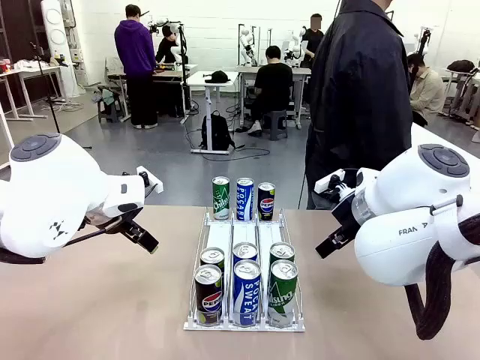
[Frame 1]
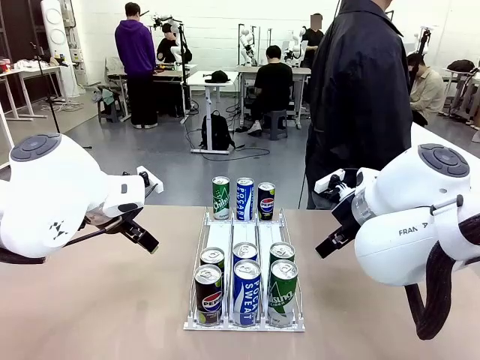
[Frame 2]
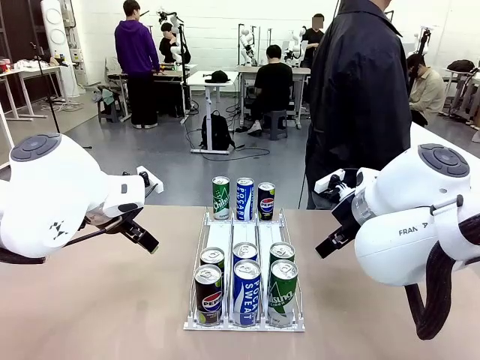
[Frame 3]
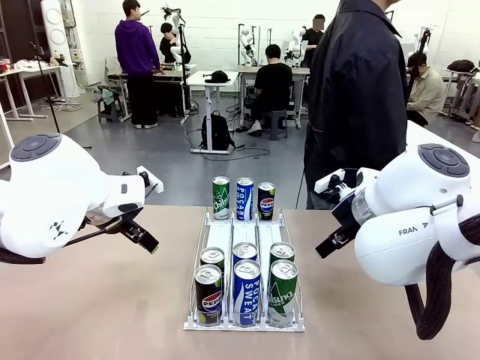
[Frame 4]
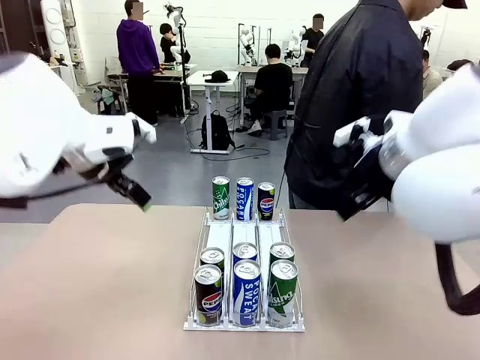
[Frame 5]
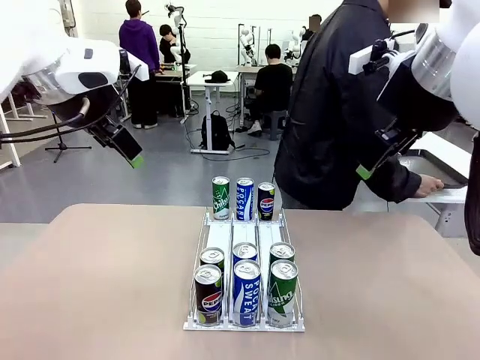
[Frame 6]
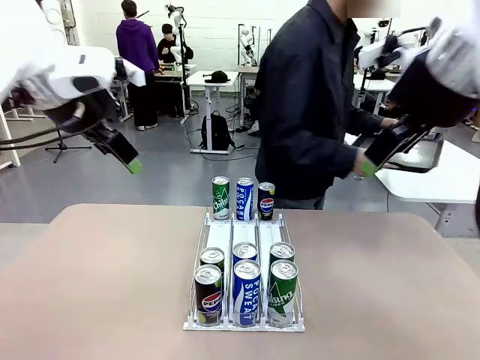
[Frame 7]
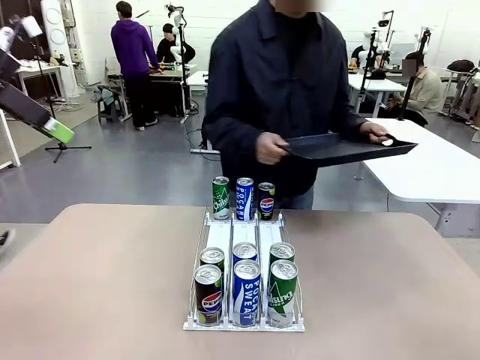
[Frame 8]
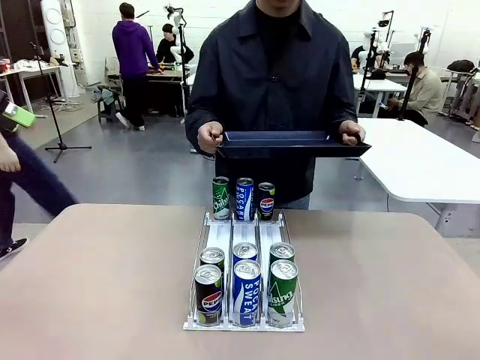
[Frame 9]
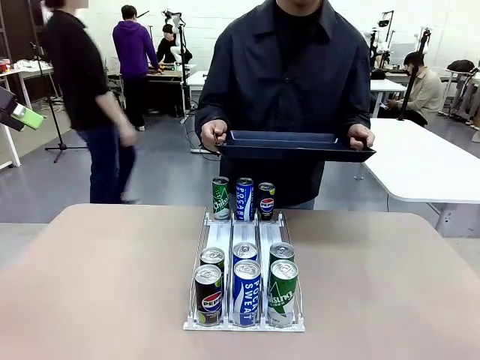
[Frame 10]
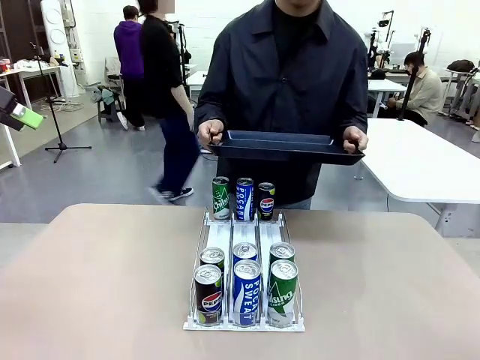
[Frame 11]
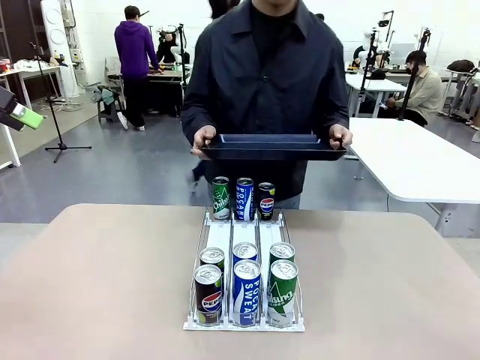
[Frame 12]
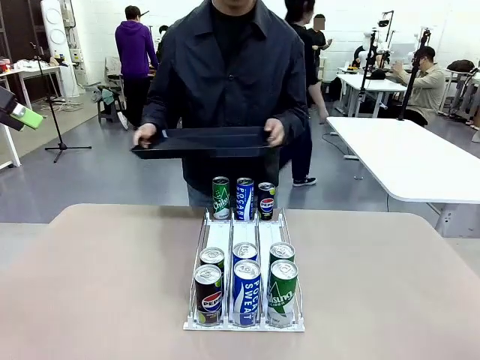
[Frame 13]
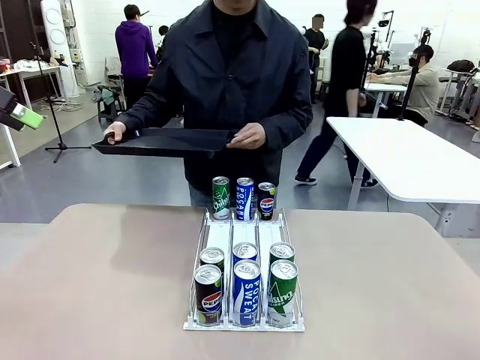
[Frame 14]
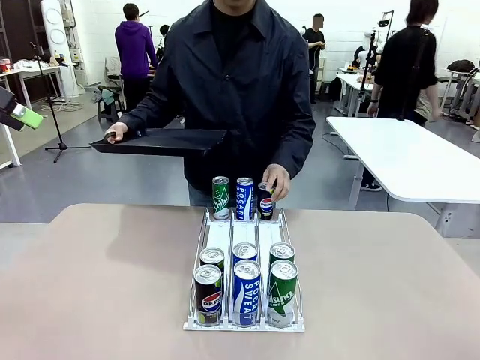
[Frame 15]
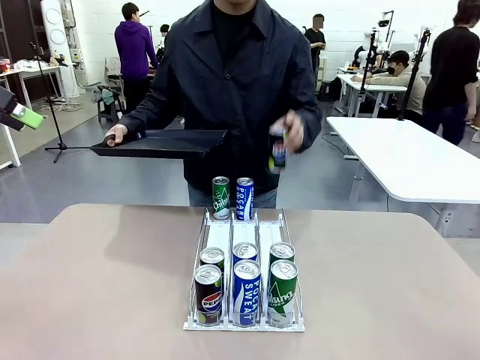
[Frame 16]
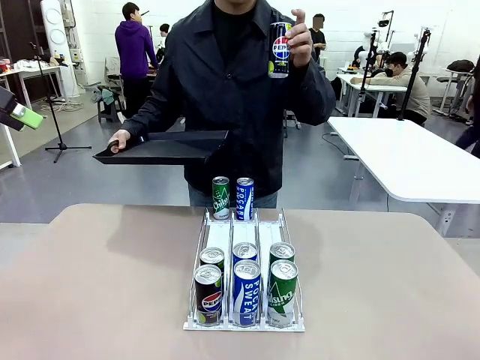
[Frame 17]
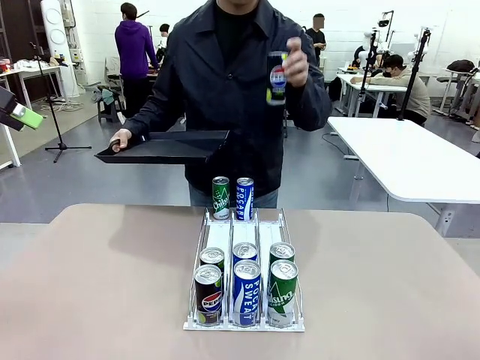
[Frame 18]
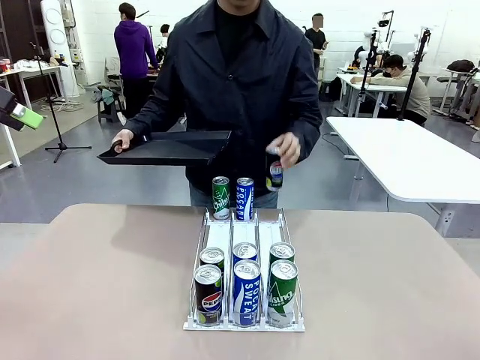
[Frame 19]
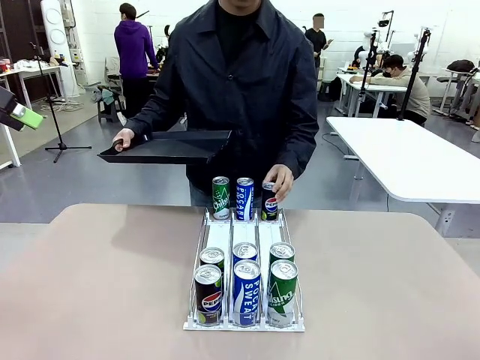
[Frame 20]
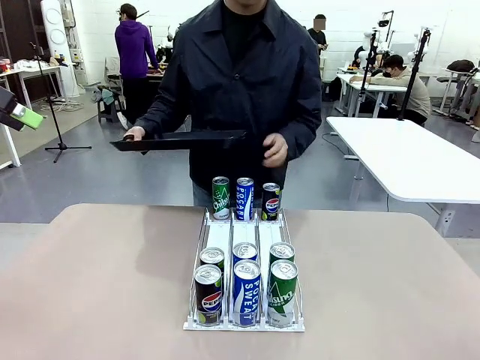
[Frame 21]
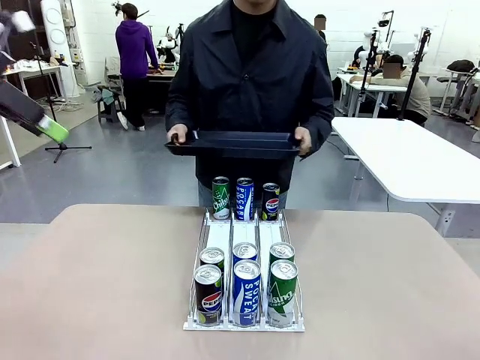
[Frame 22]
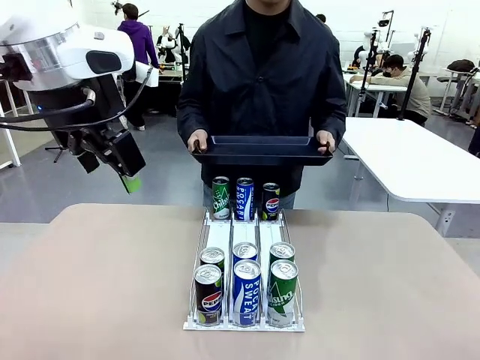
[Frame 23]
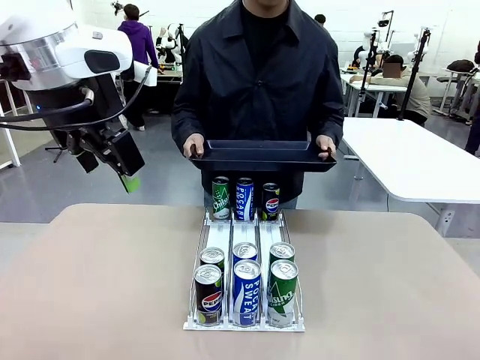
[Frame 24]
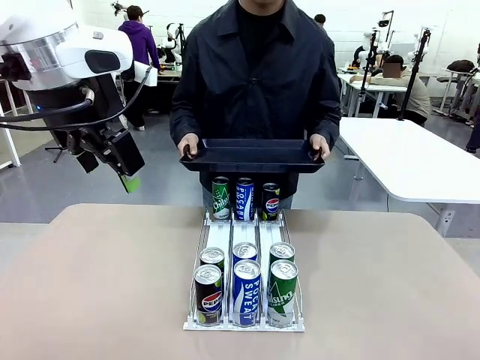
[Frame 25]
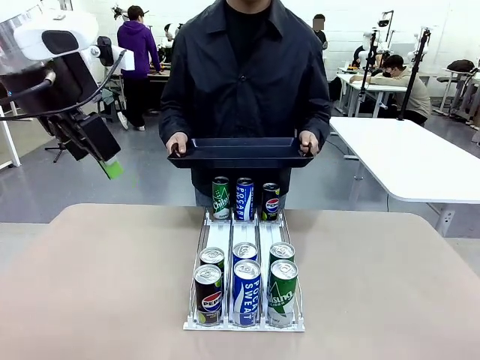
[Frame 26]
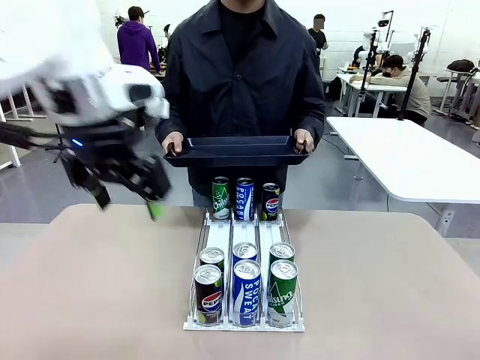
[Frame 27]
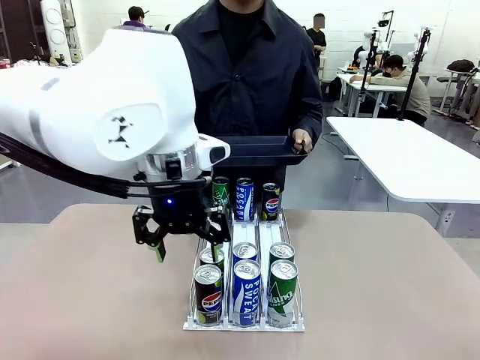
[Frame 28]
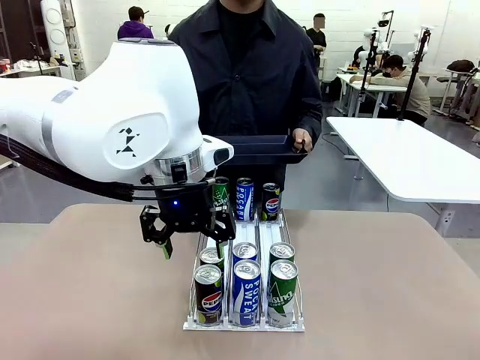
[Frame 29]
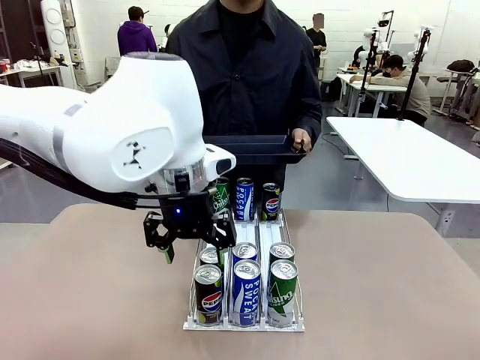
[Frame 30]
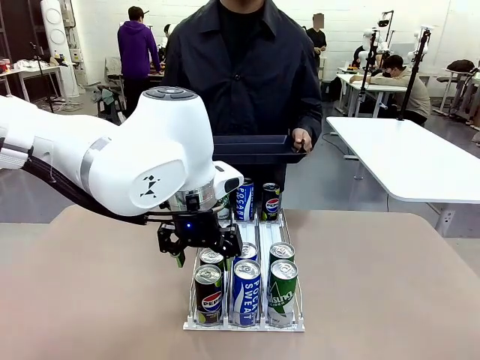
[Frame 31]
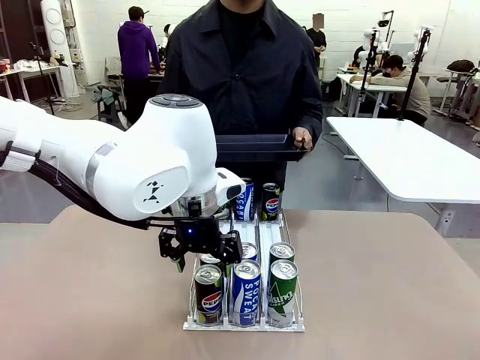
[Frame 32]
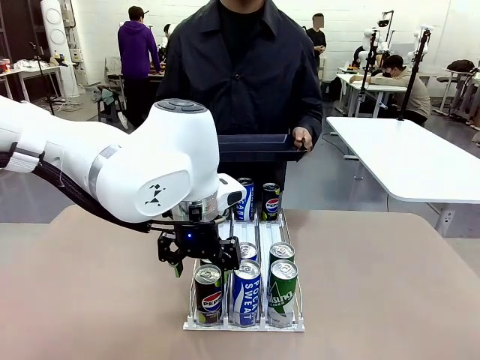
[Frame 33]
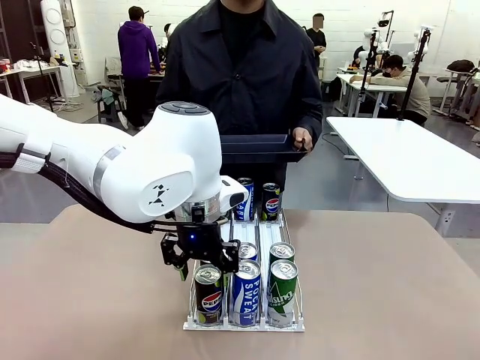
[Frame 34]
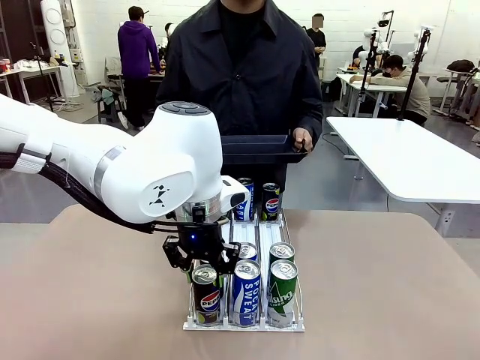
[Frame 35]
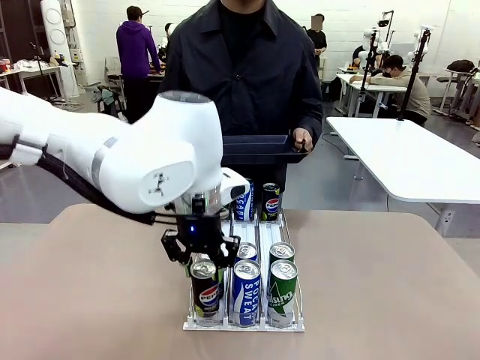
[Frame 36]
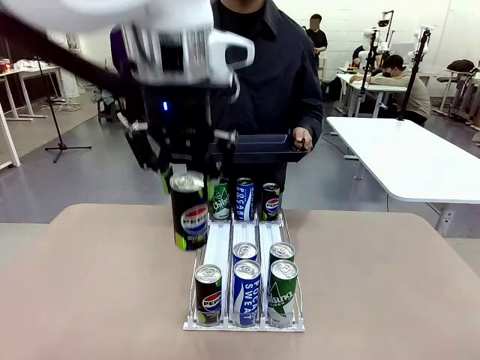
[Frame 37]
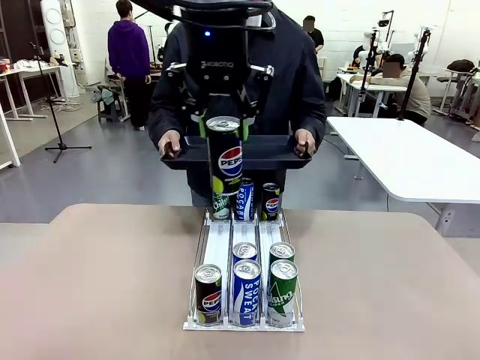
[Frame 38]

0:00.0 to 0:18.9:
Task: Retrieve and hand over the desired beverage to the person.
Robot: Pick up a can of the same type that the person held from the Automatic Can Dispenser.
Person: Hold the tray and position yourself in front of the robot table. Pick up one can from the bottom area of the table and puts it back in its original place. Push the tray toward the robot.

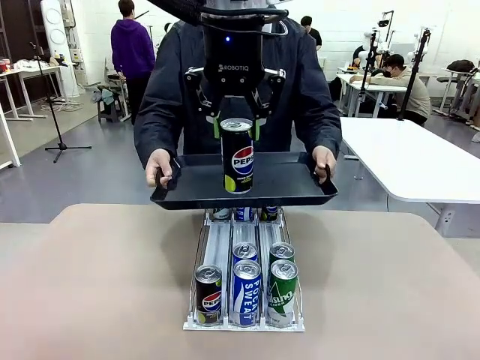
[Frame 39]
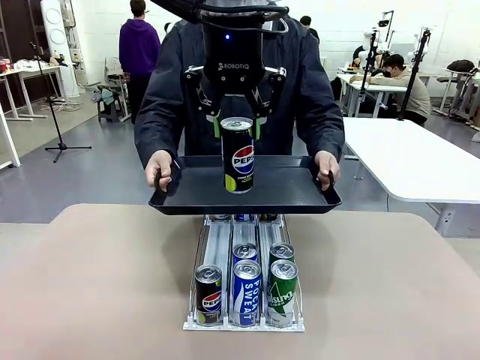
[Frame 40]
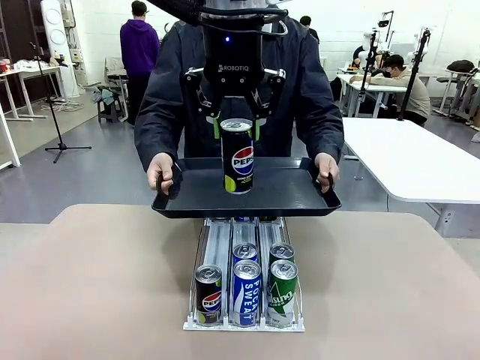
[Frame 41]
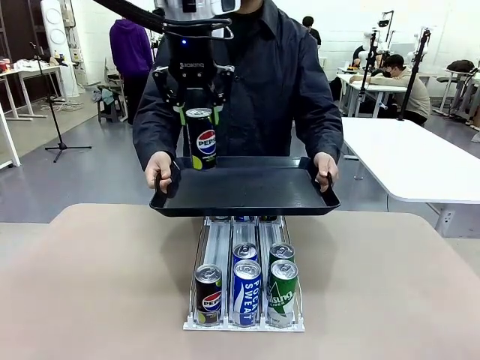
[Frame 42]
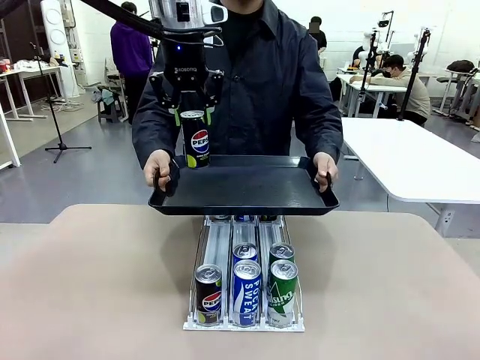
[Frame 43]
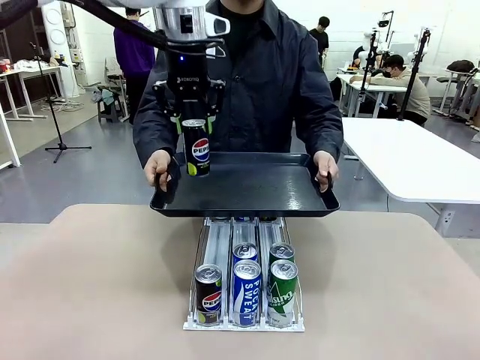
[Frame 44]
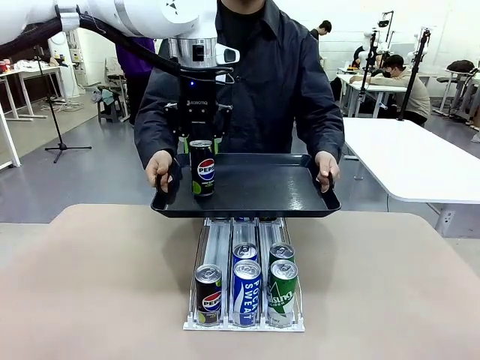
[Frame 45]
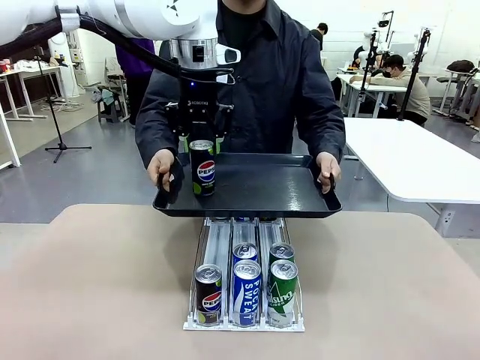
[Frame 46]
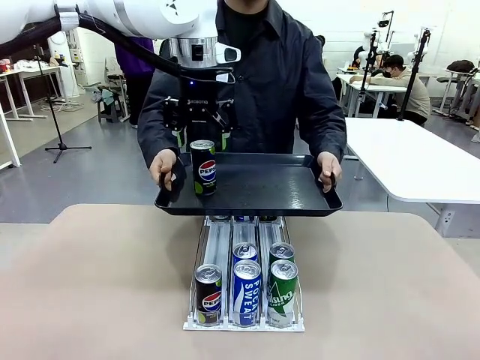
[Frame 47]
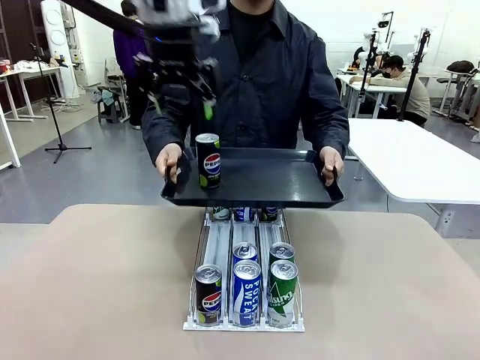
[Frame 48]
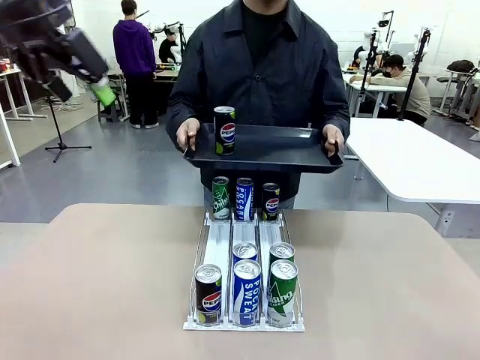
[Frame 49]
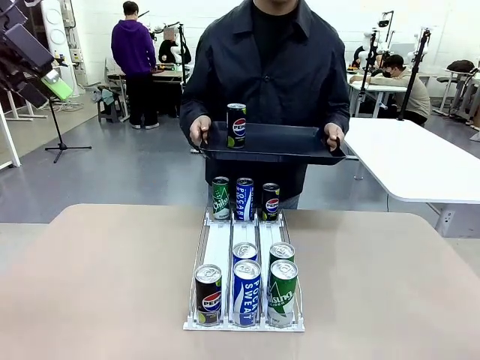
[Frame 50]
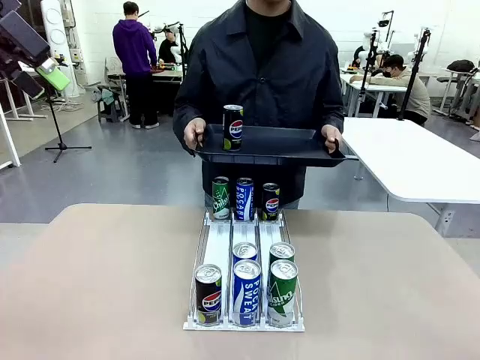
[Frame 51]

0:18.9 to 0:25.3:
Robot: Place the picked can on the Handle tray extended by the person.
